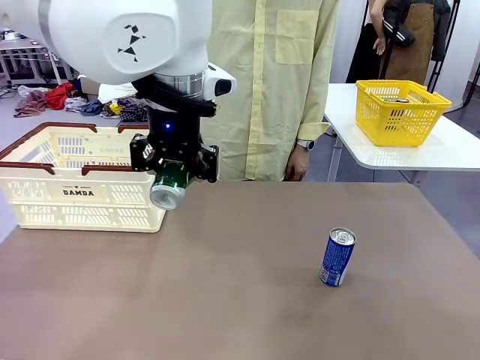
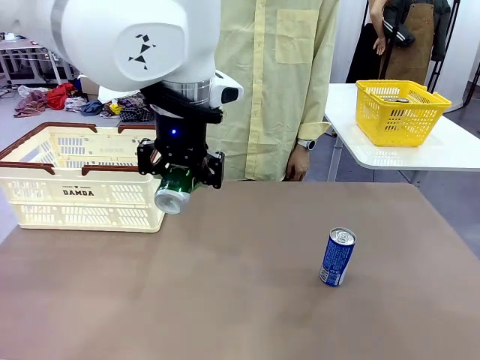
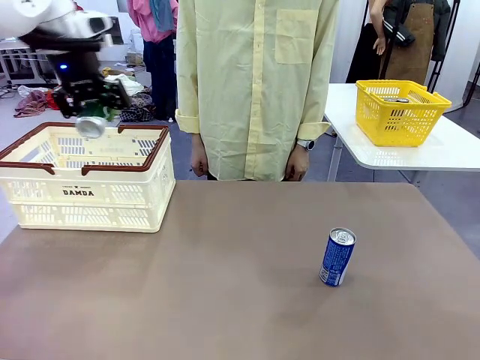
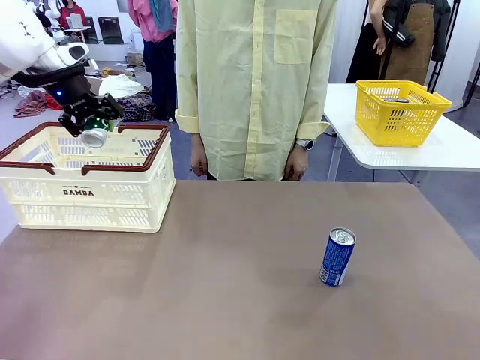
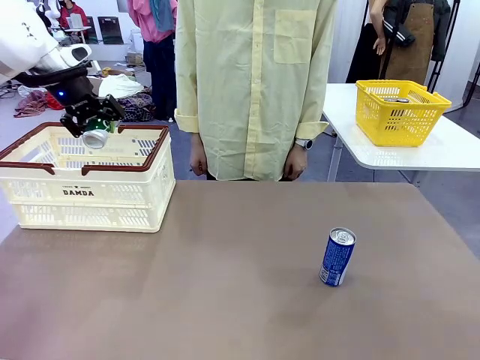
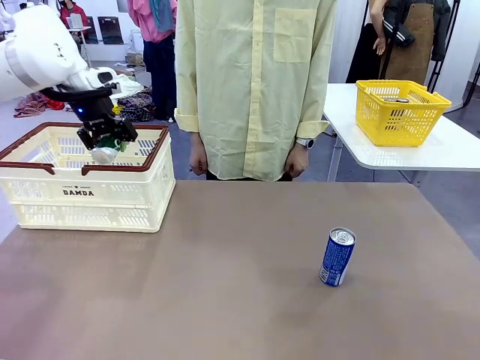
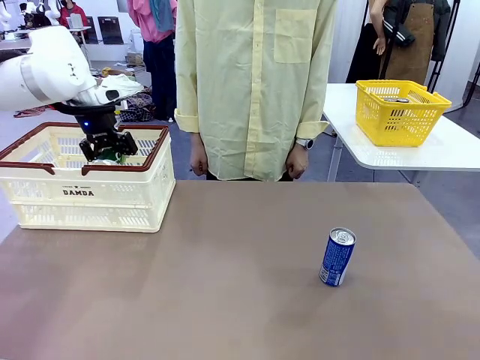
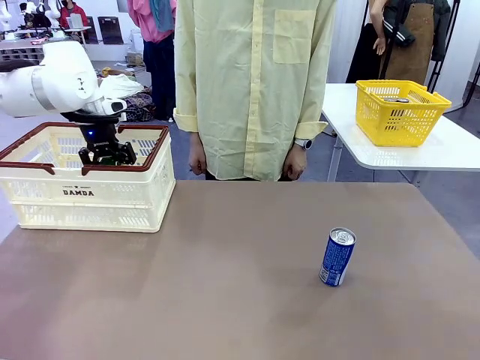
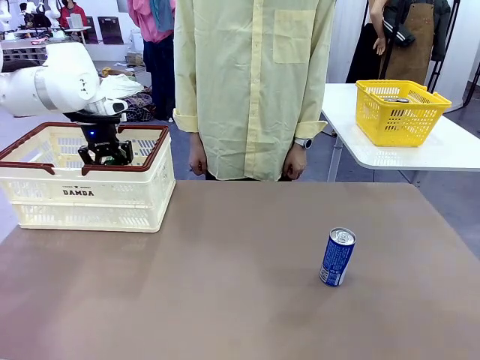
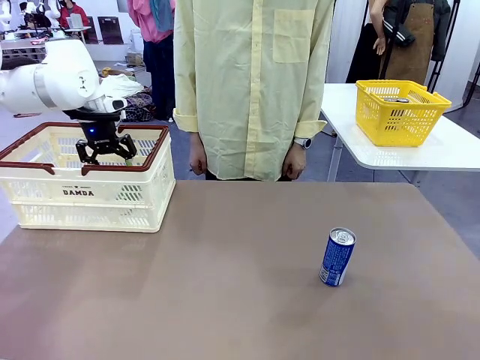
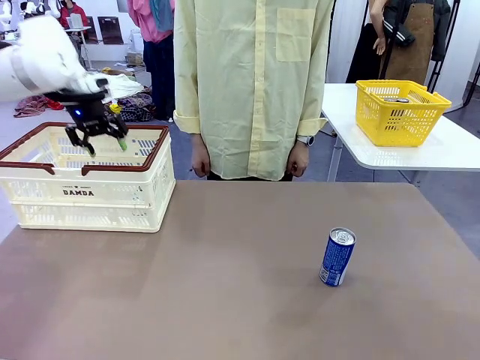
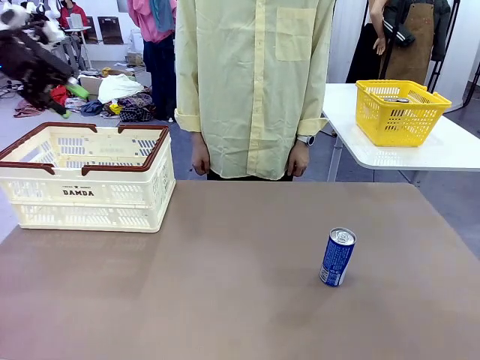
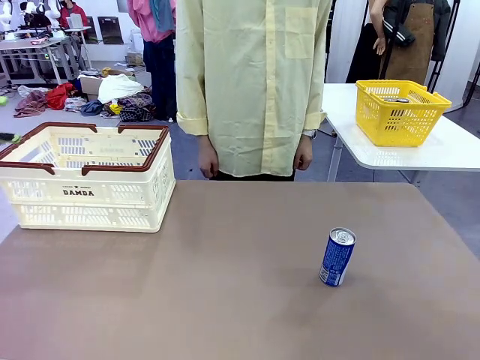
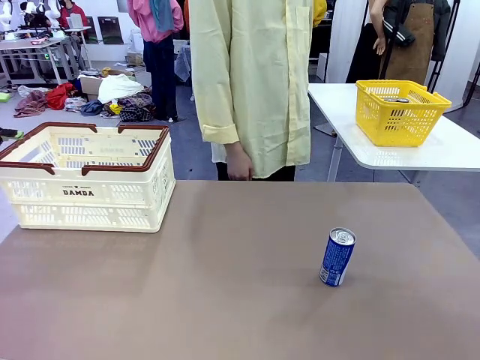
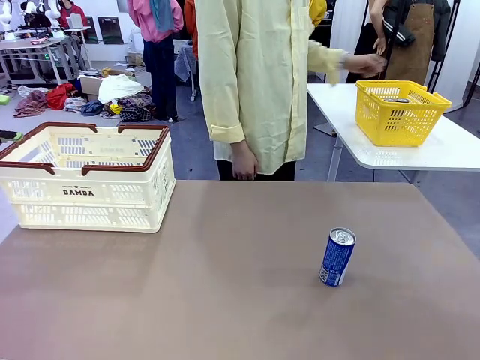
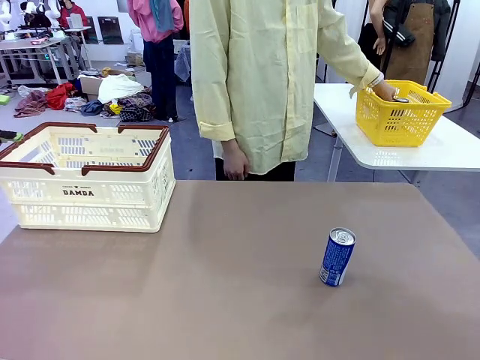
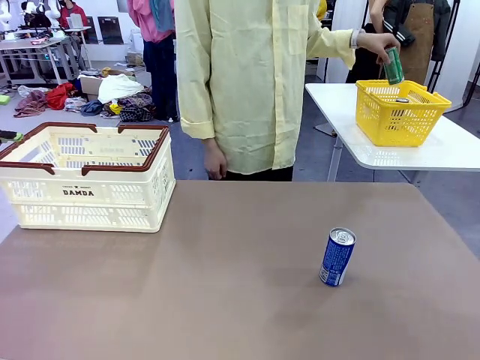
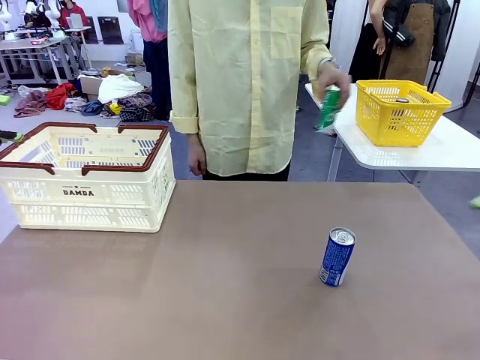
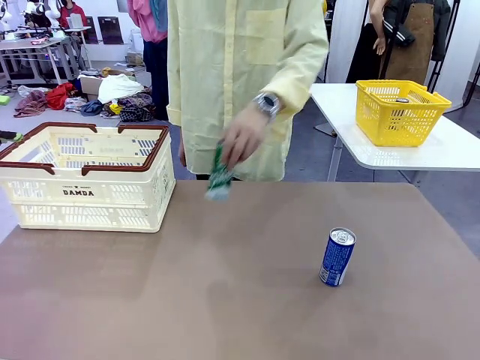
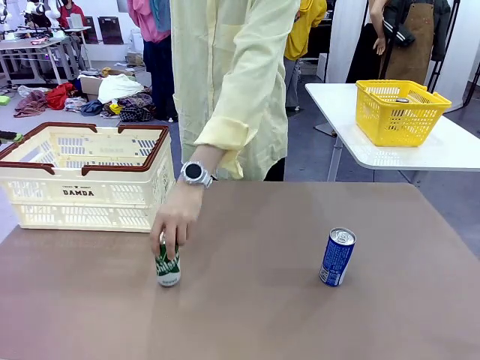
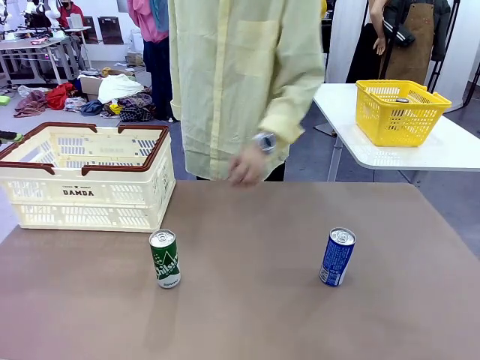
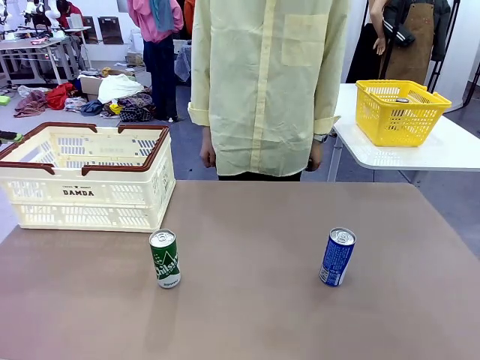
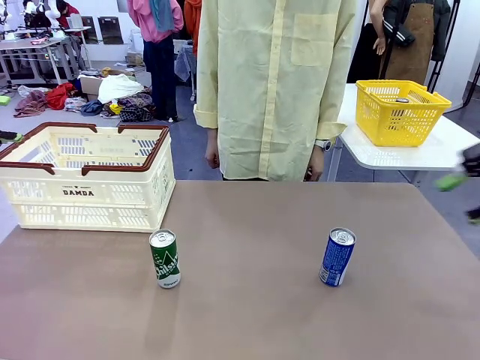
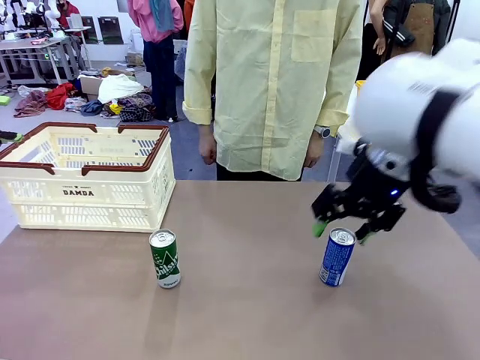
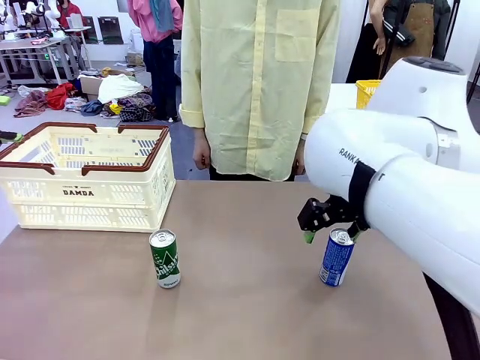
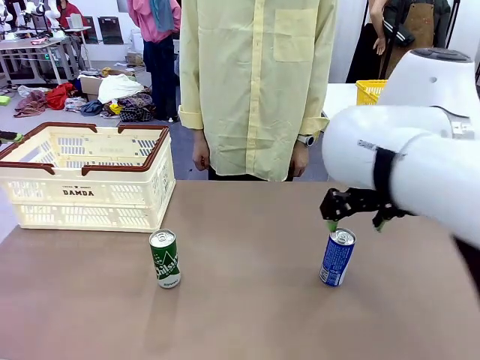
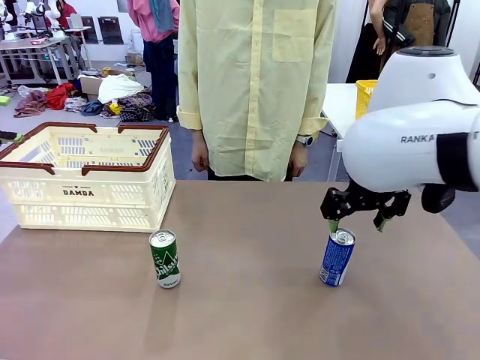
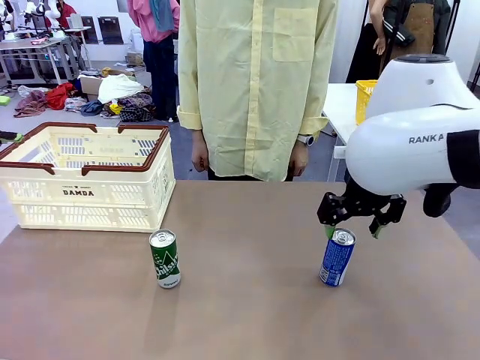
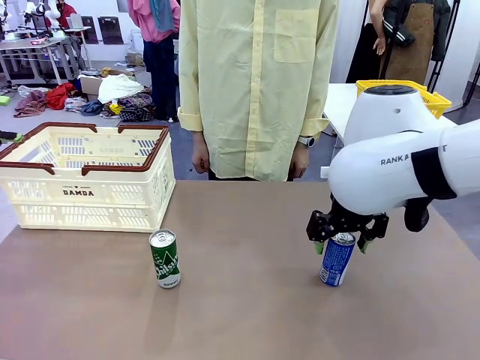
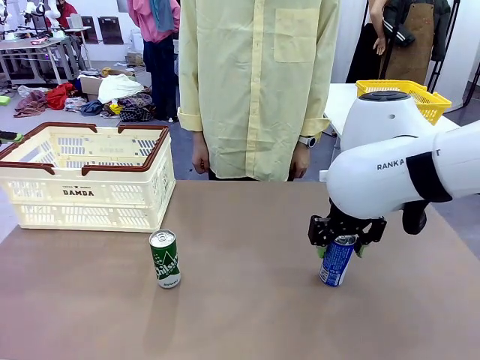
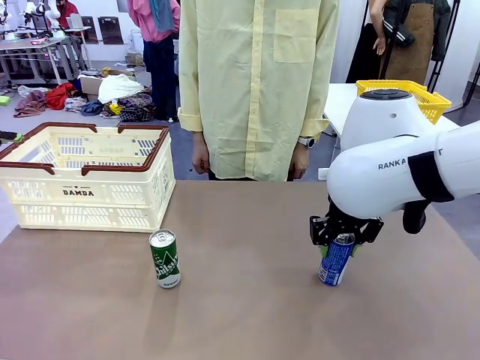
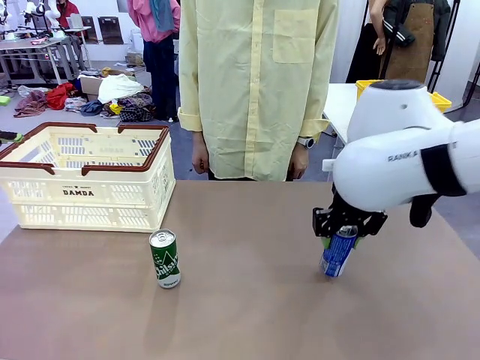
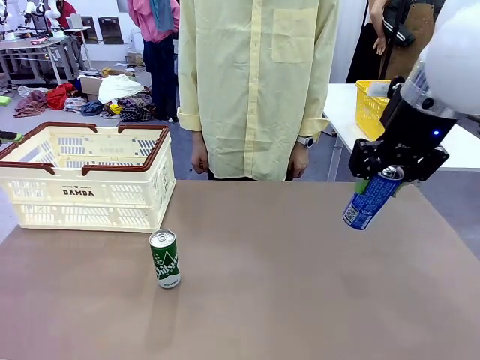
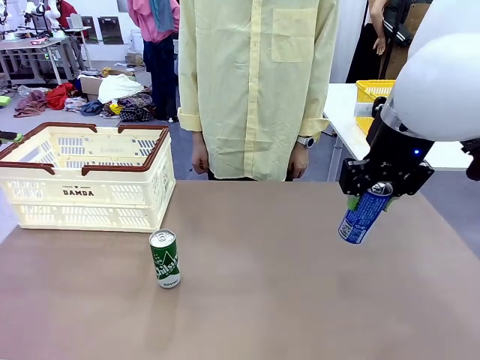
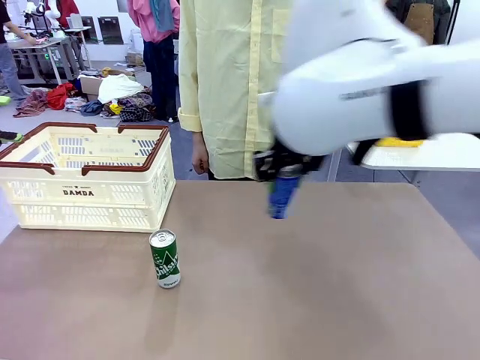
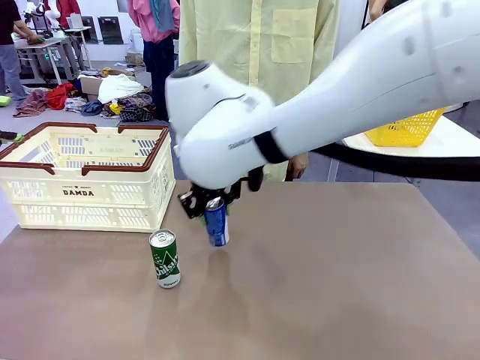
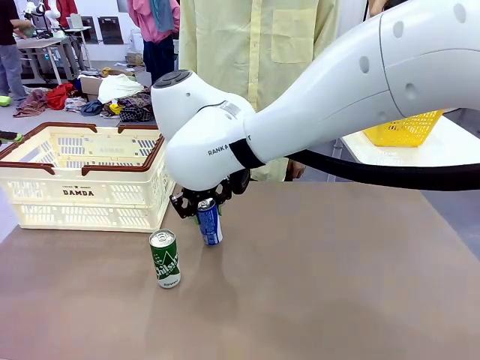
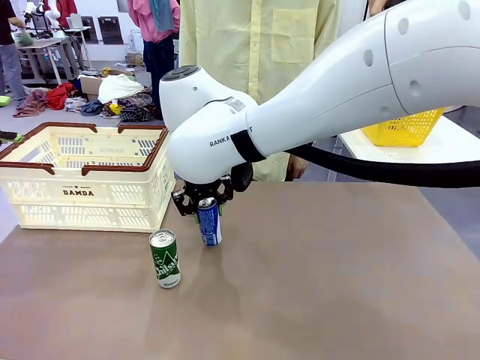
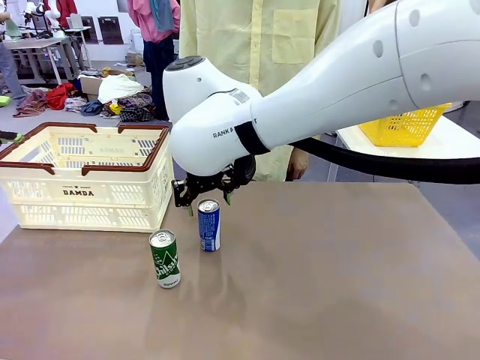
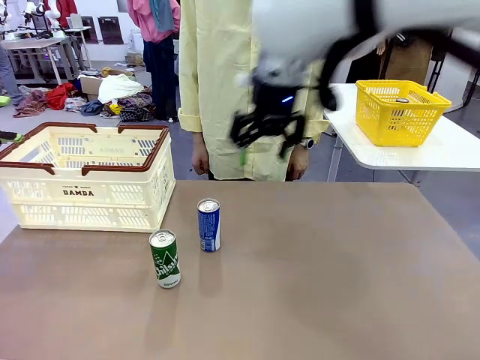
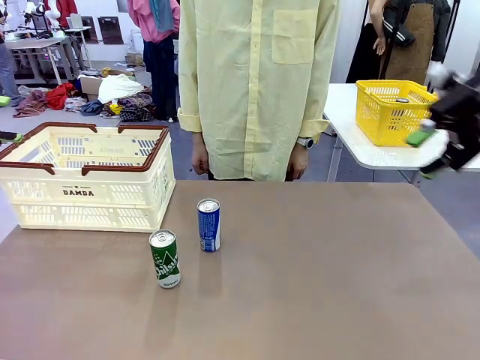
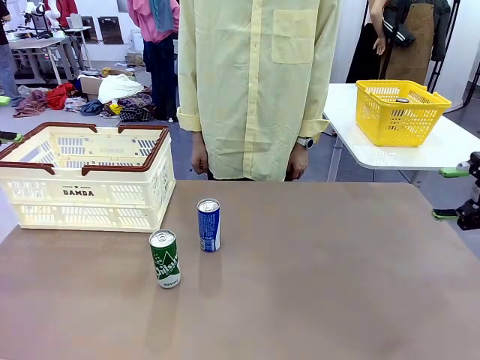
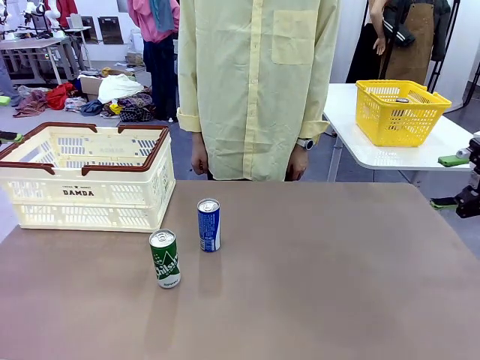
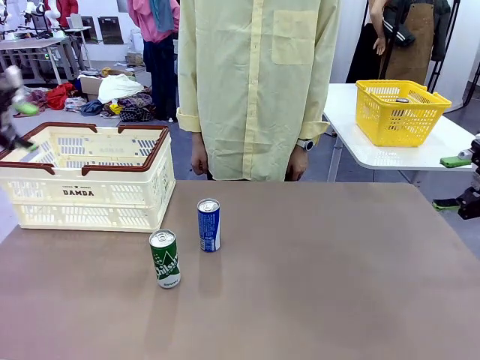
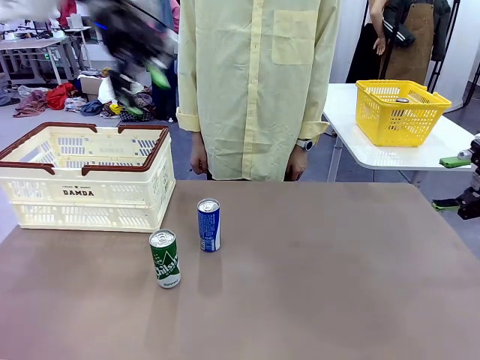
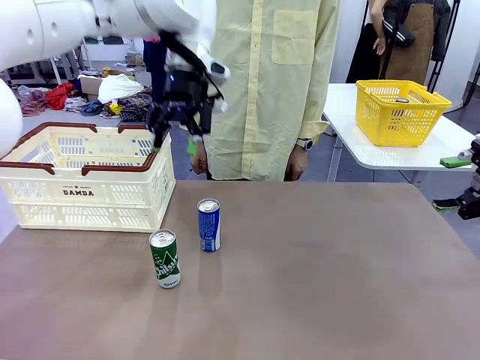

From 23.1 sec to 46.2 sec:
Task: Place the drinks into the Shopping basket.
Robot: Pick up one drink and place it into the Shopping basket.
